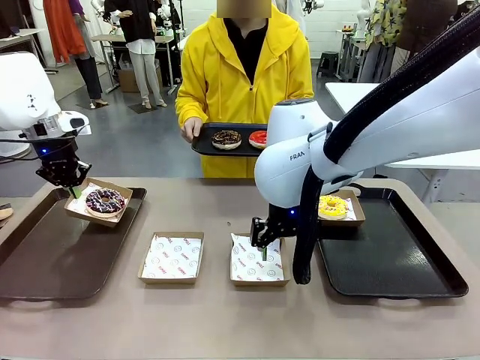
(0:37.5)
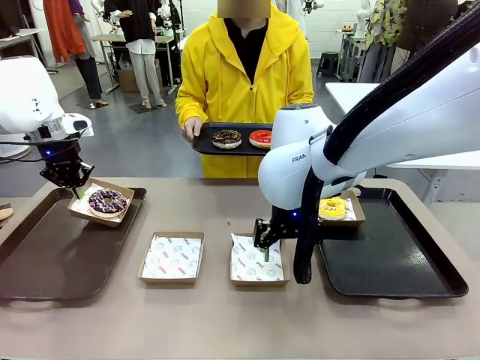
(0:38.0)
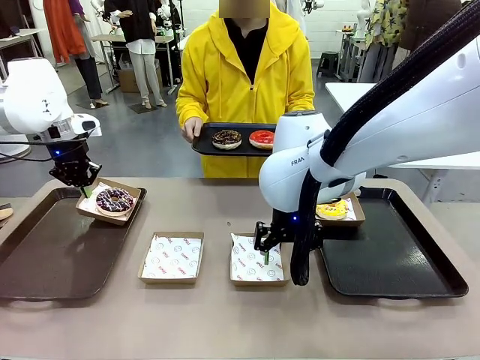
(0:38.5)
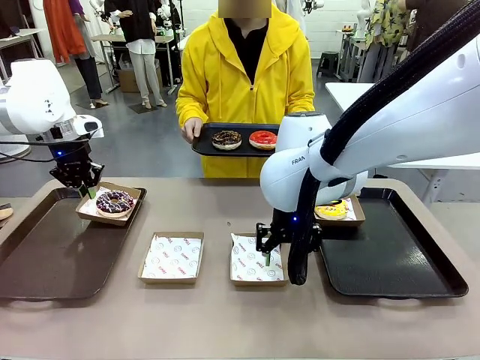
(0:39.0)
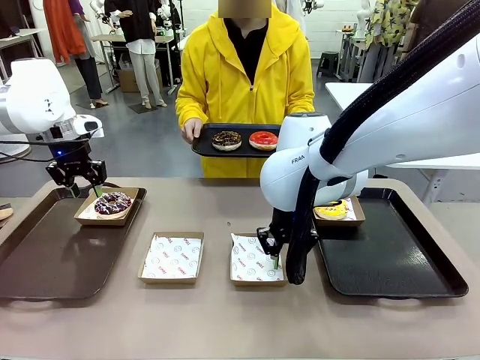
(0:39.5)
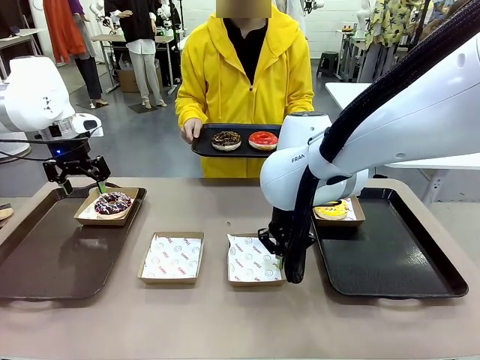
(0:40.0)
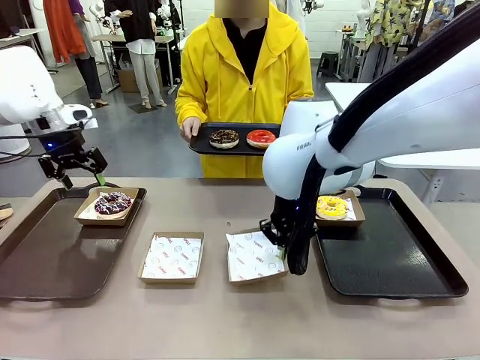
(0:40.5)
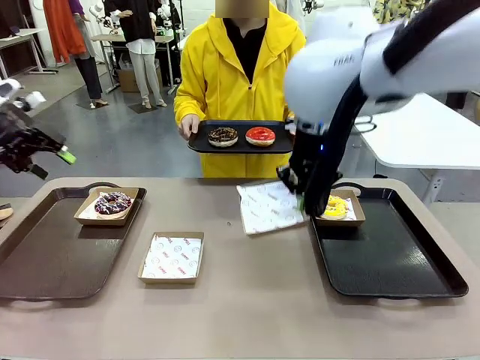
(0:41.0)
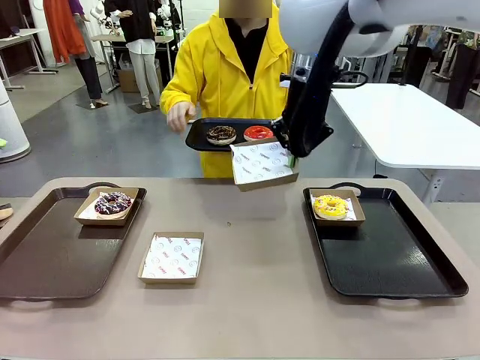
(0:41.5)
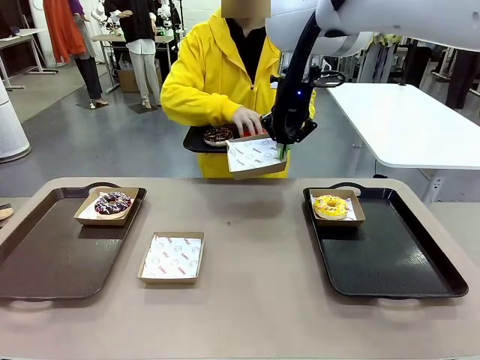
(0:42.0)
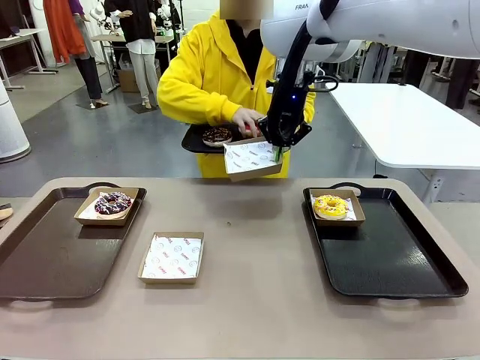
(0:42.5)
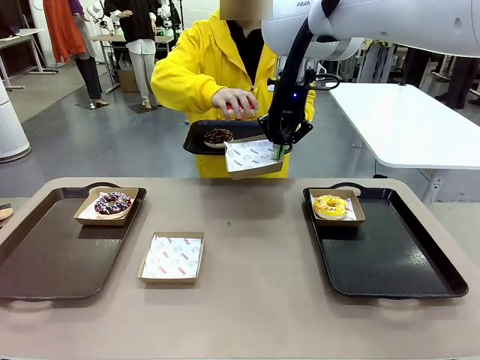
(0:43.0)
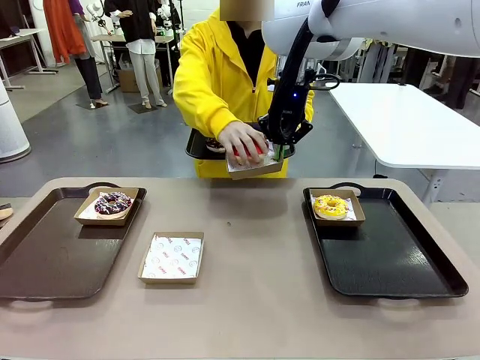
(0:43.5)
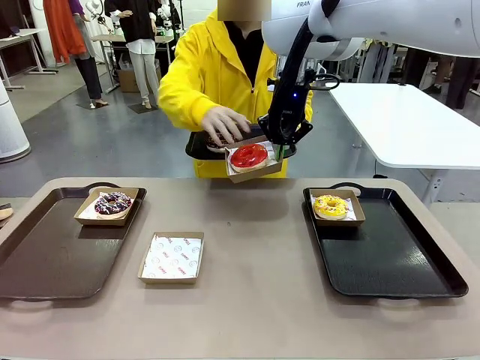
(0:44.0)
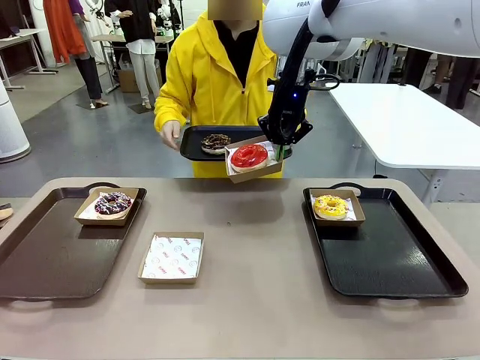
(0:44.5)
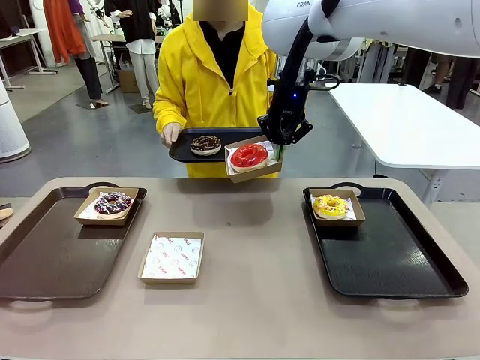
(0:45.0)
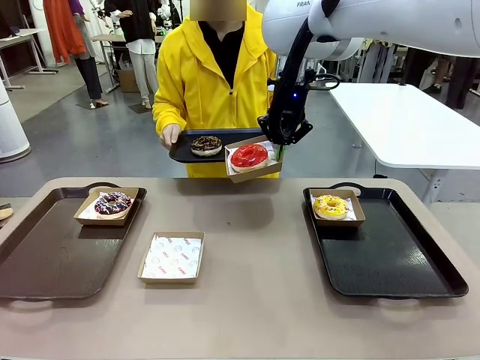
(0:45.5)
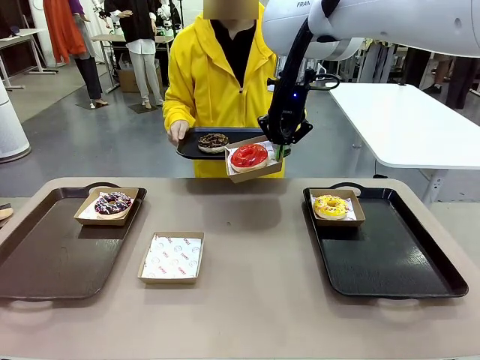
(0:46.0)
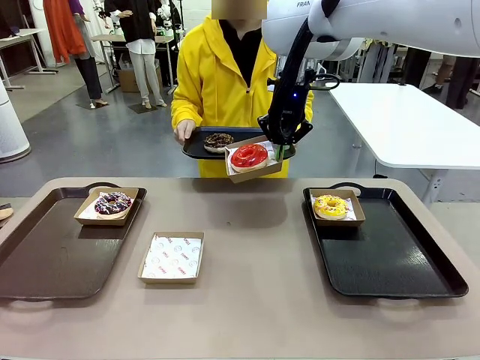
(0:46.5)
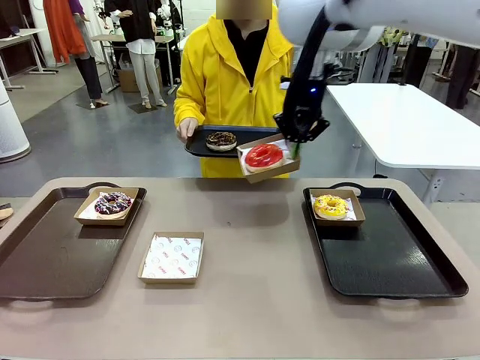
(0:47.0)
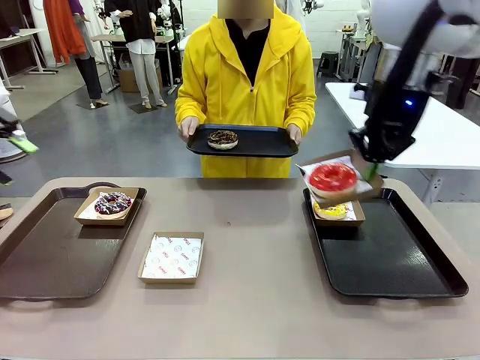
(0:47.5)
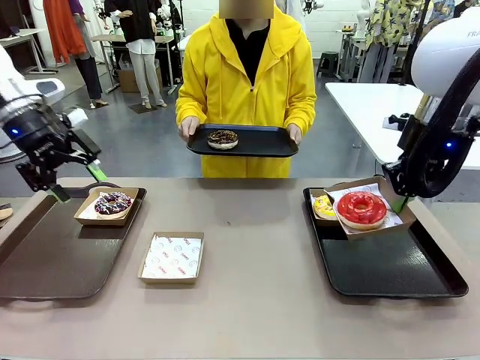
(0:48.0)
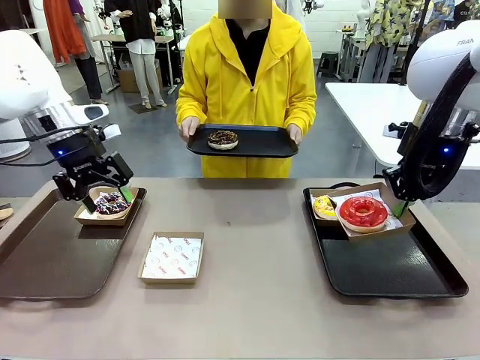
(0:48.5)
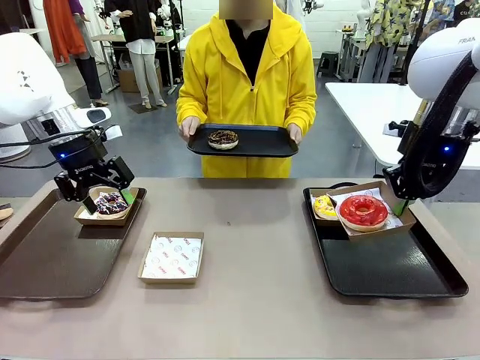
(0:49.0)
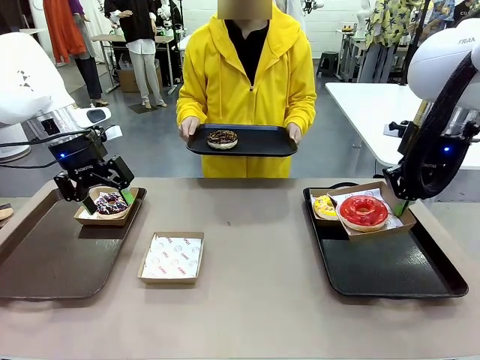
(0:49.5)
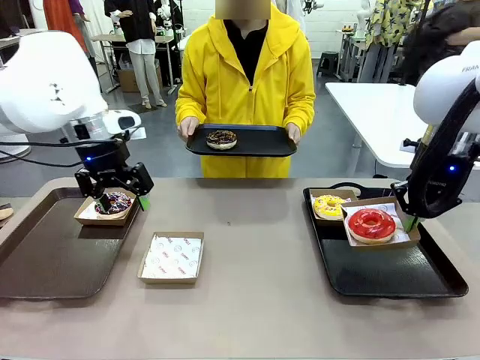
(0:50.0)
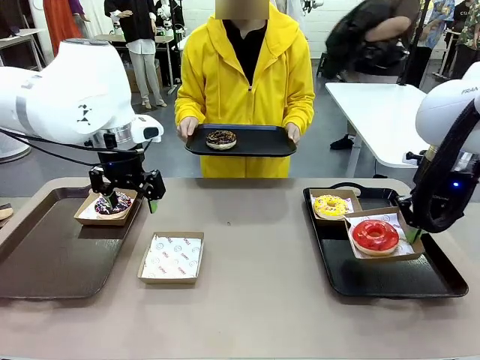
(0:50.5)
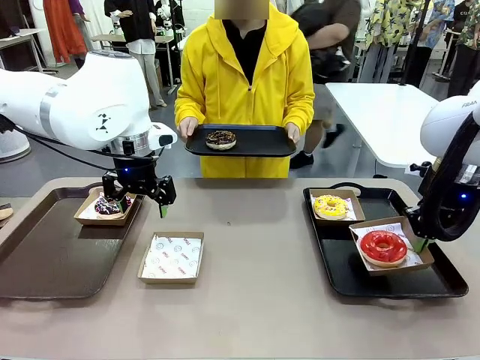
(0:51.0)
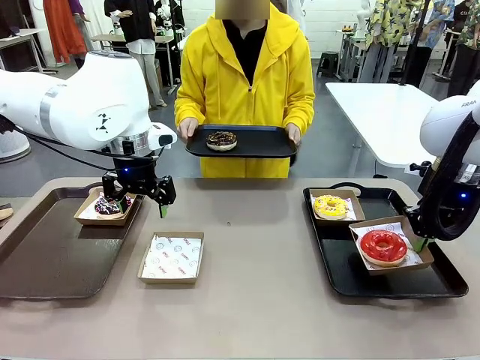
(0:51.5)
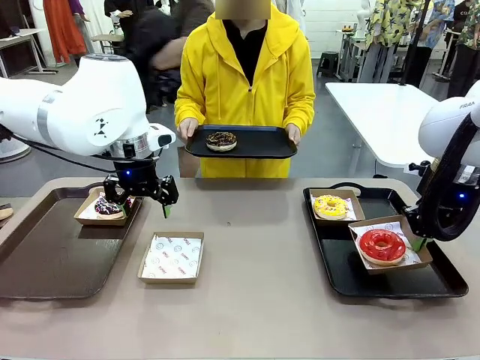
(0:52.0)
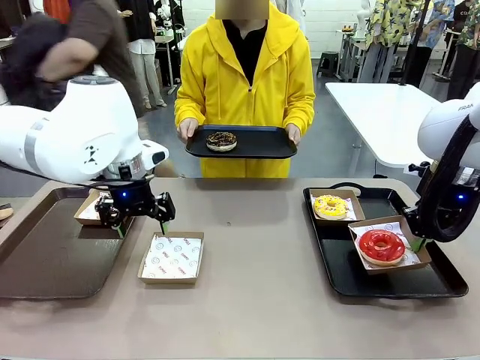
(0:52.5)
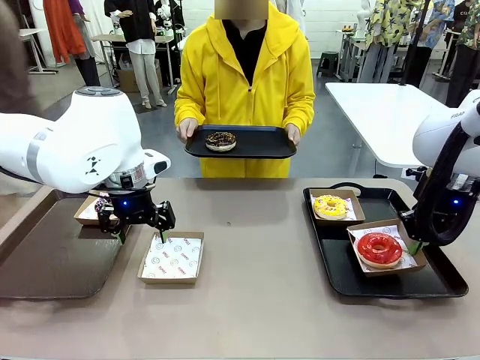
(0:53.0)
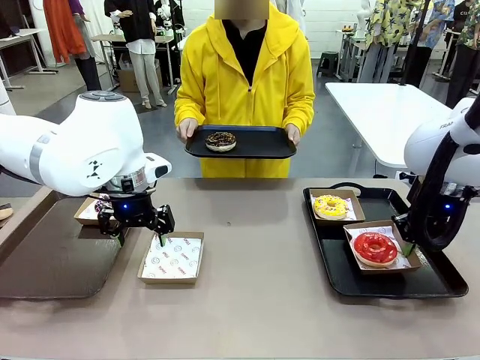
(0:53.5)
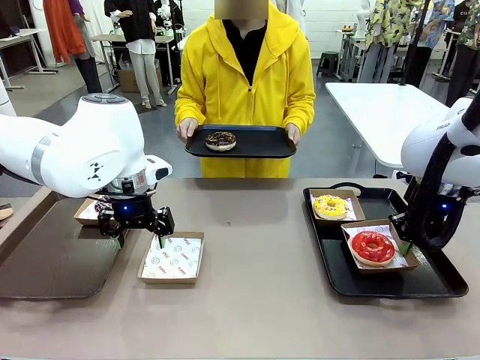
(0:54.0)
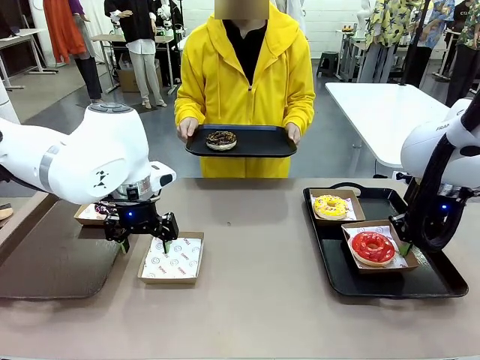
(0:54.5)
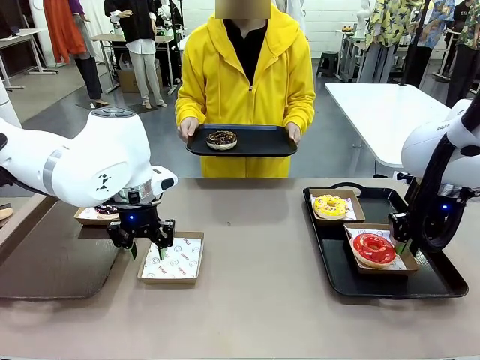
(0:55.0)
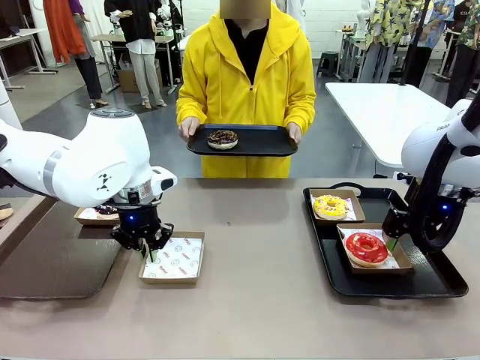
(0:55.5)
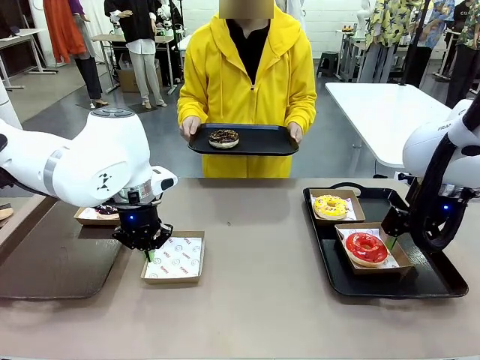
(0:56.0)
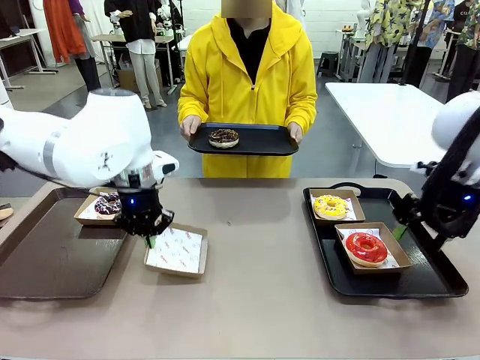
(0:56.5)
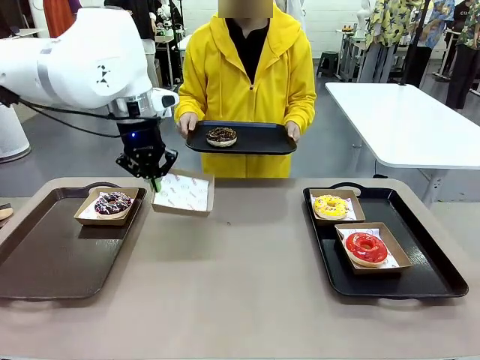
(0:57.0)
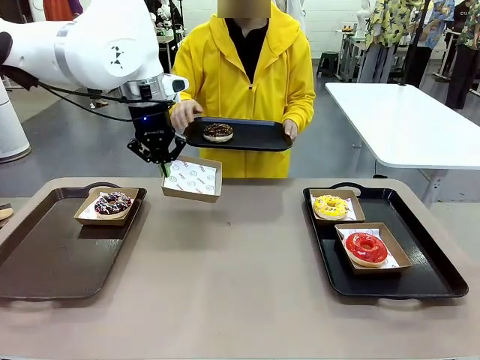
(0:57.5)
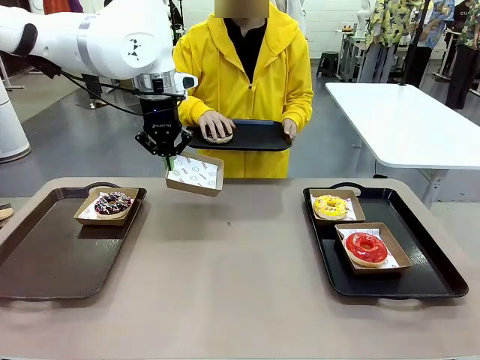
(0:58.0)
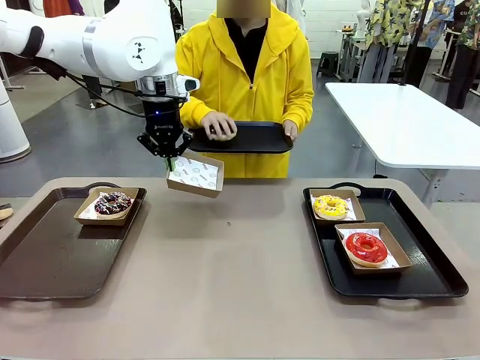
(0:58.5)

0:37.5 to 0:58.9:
Task: Individually package the donuts and arrange them on the tray.
Robot: Place the picked Paper togo box on the Handle tray while simultaneously picking up another Paper togo box from the table with the other hand.

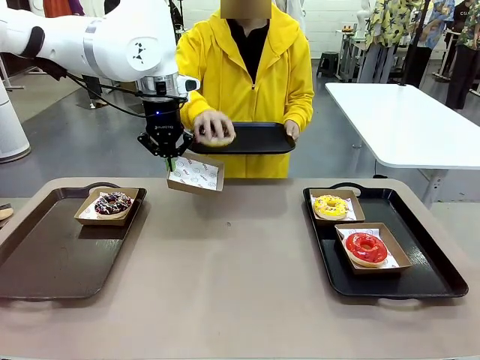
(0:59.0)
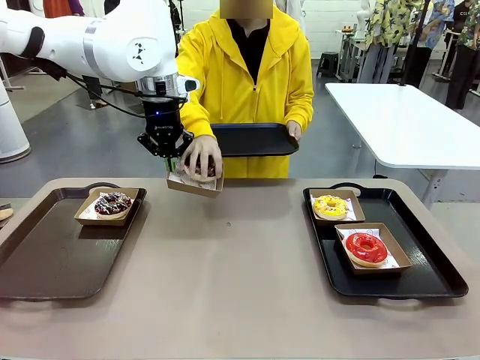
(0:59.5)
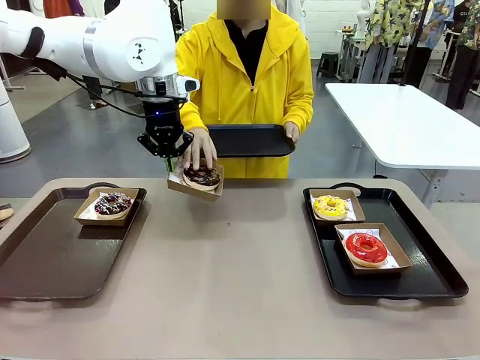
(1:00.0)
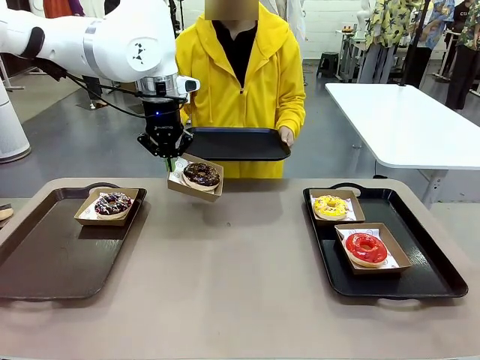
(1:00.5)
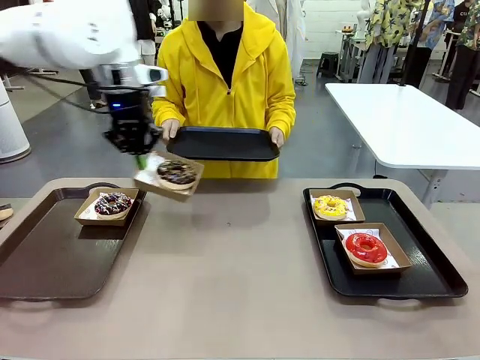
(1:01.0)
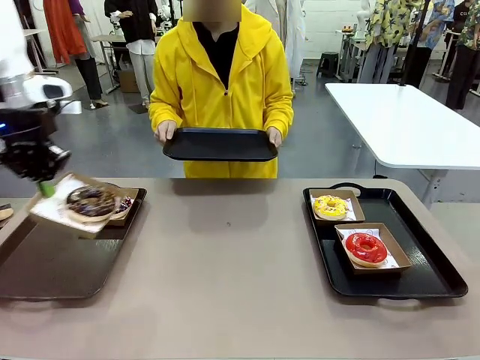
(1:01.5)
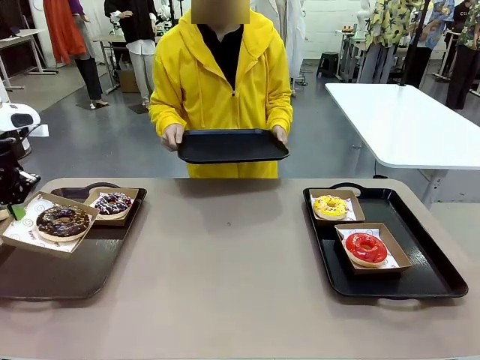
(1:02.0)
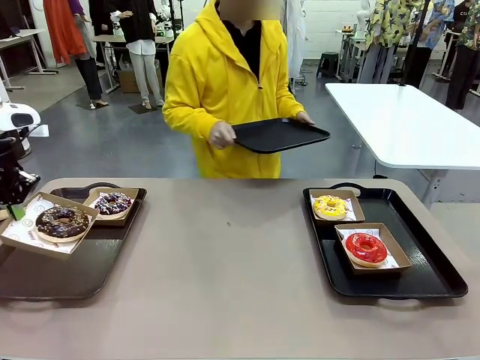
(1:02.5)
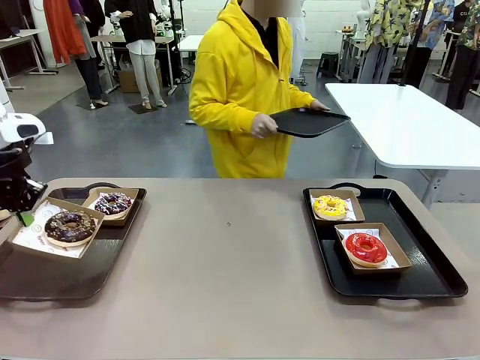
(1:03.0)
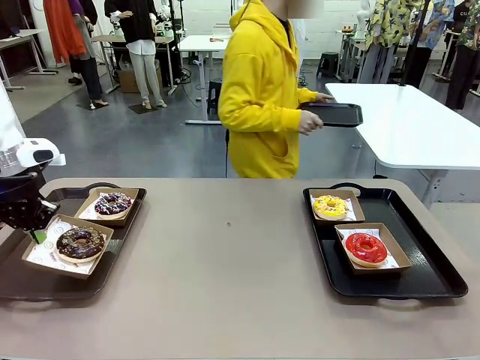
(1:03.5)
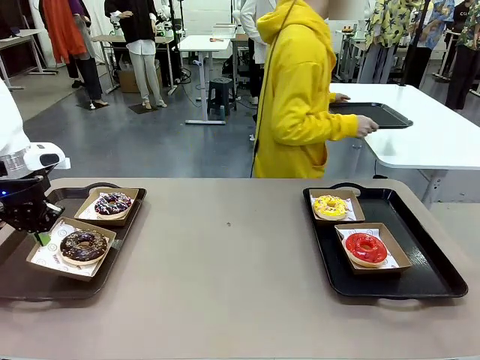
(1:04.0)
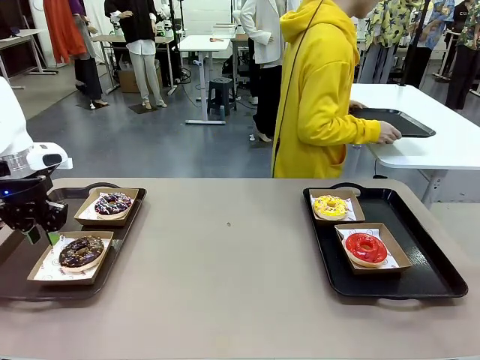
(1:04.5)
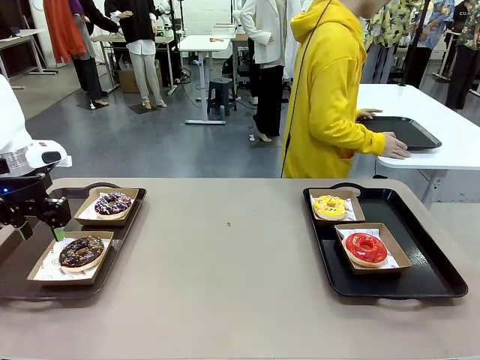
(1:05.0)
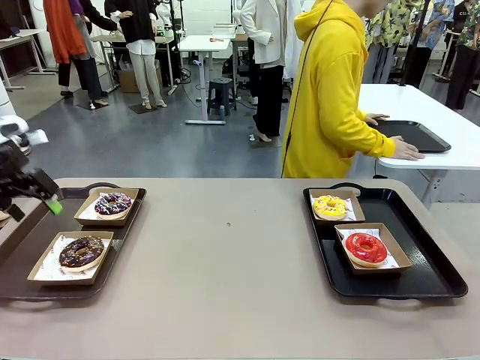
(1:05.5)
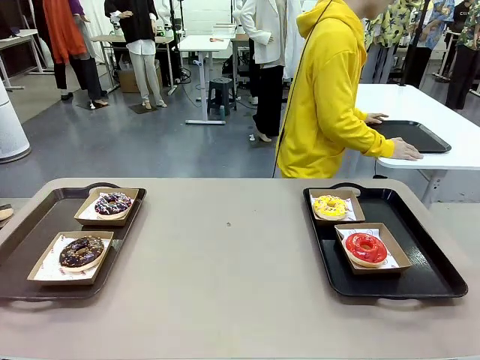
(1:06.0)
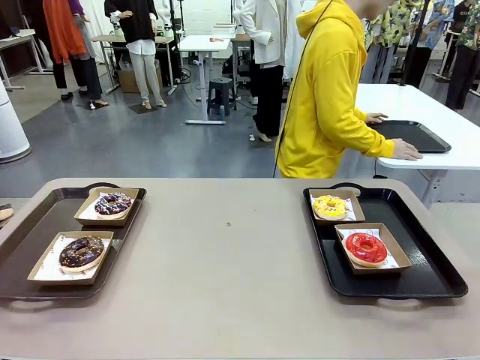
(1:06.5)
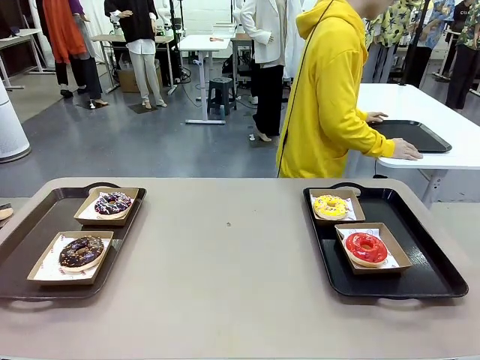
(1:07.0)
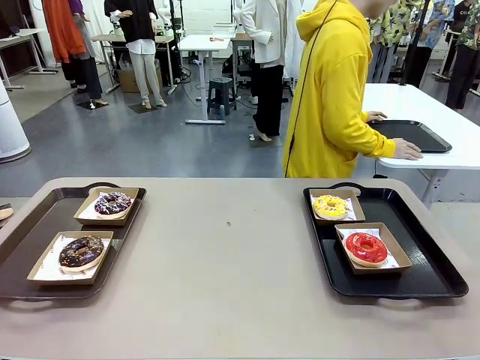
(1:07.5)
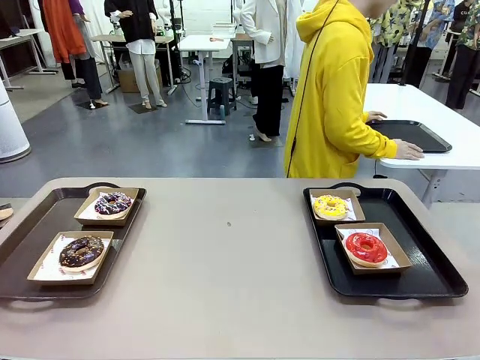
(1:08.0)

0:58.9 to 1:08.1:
Robot: Place the picked Paper togo box on the Handle tray.
Person: Place the tray down in the middle of the human table.
